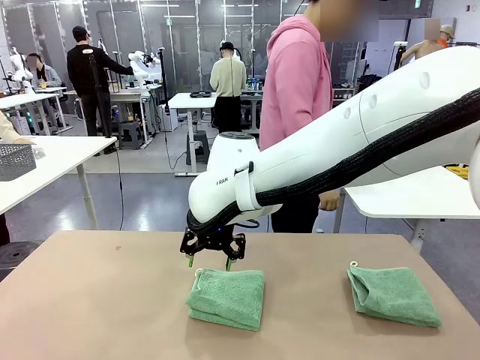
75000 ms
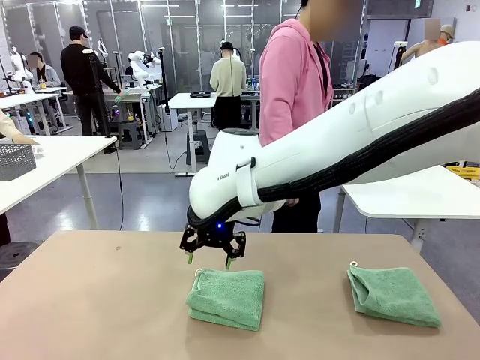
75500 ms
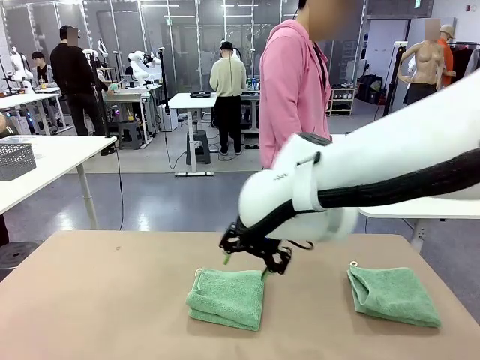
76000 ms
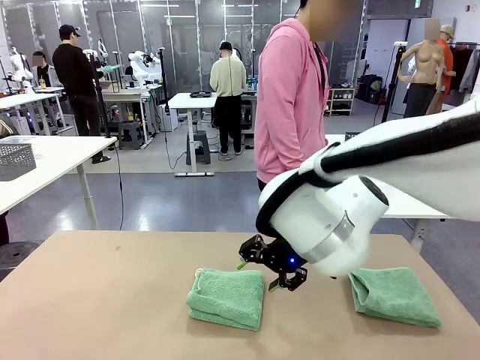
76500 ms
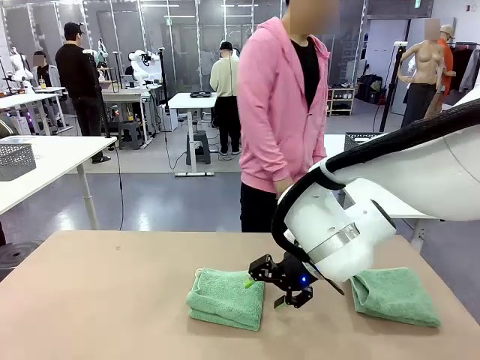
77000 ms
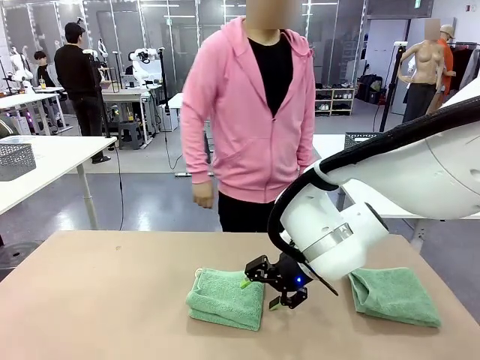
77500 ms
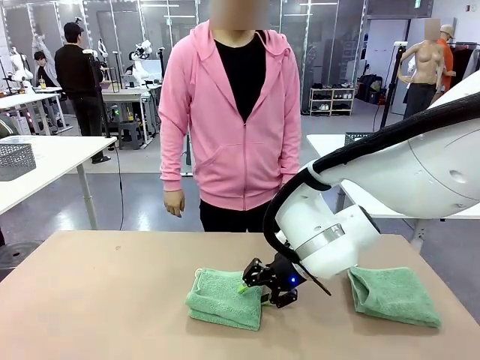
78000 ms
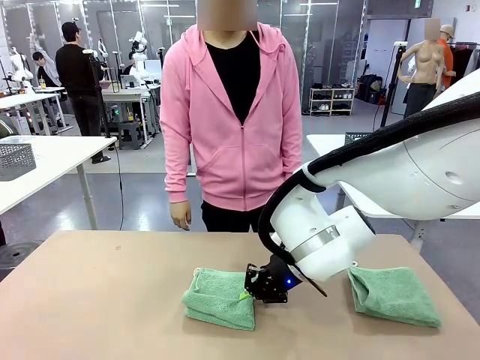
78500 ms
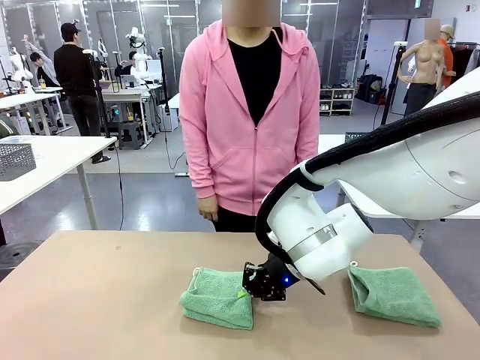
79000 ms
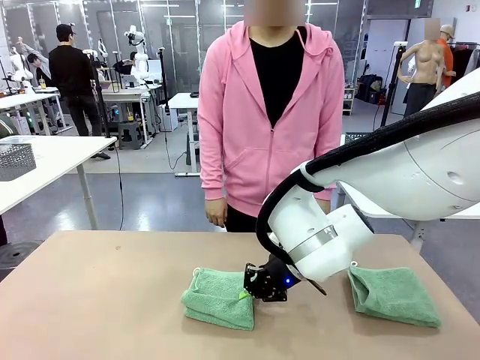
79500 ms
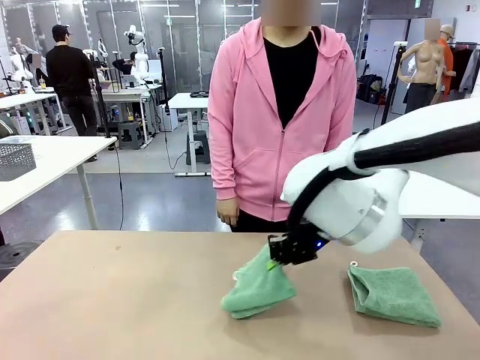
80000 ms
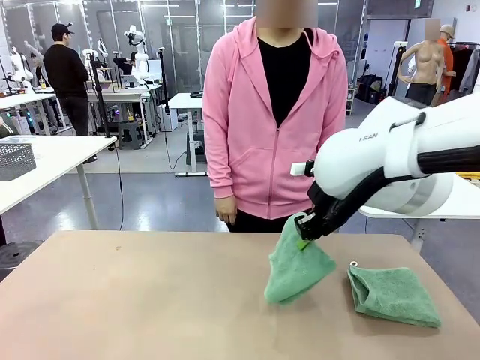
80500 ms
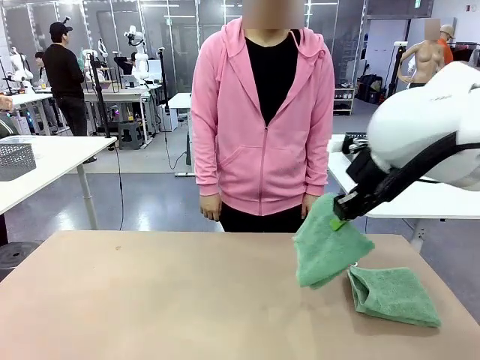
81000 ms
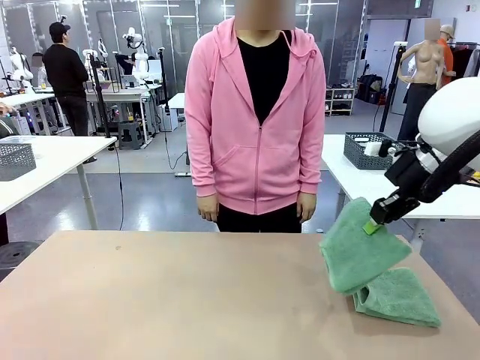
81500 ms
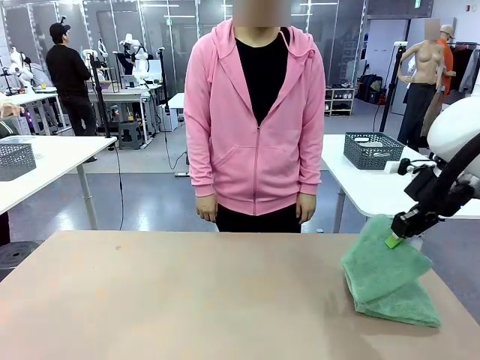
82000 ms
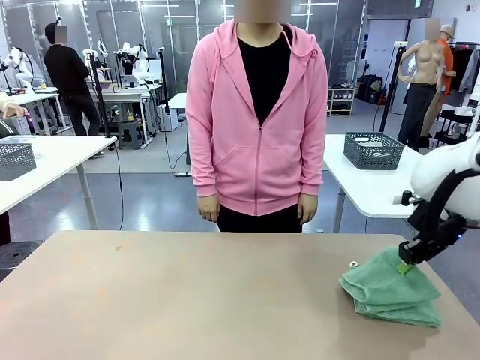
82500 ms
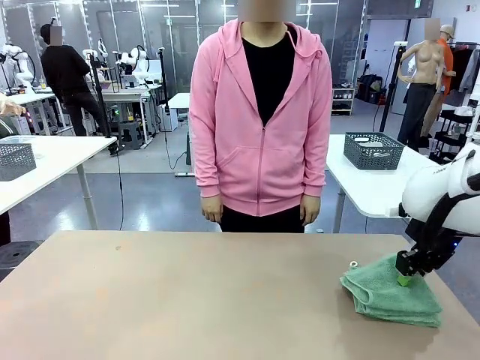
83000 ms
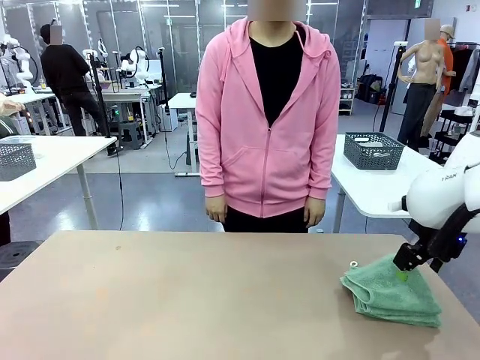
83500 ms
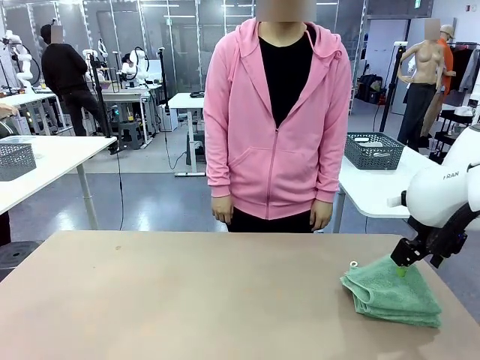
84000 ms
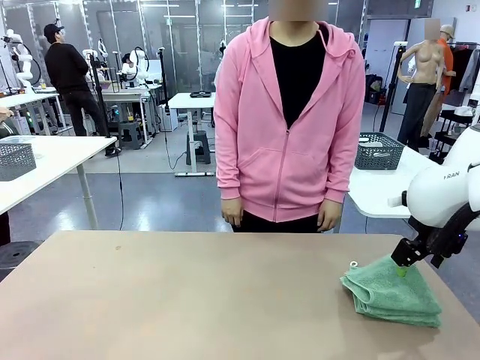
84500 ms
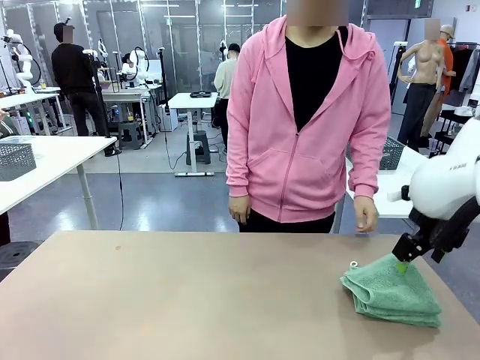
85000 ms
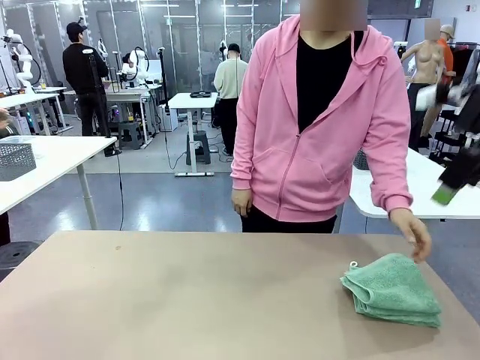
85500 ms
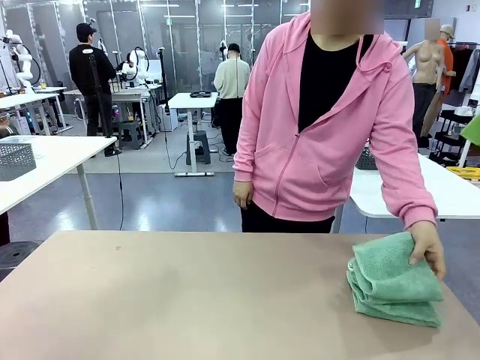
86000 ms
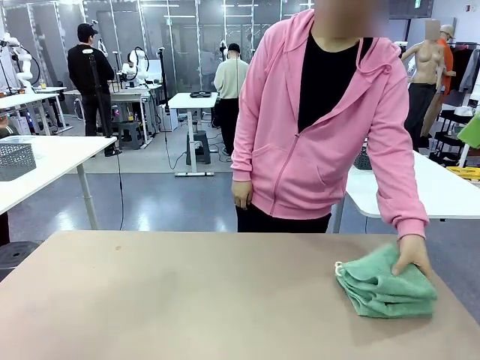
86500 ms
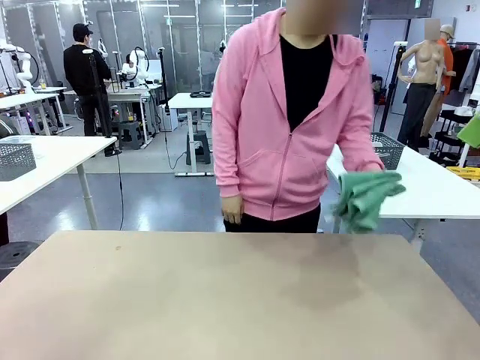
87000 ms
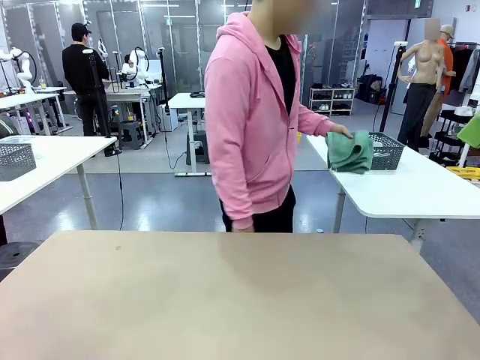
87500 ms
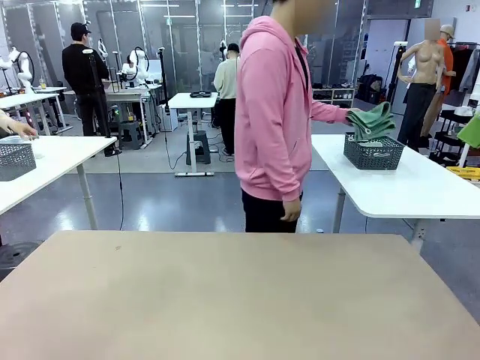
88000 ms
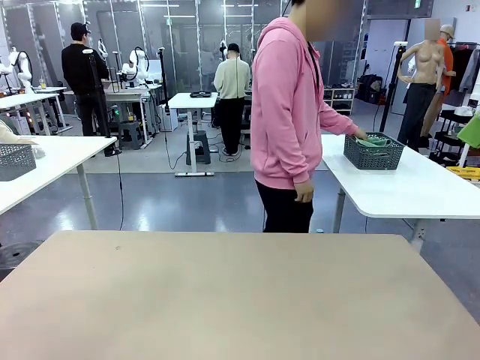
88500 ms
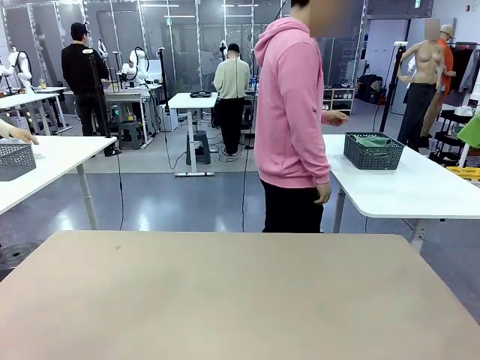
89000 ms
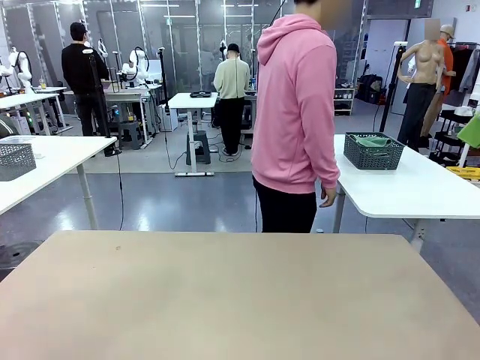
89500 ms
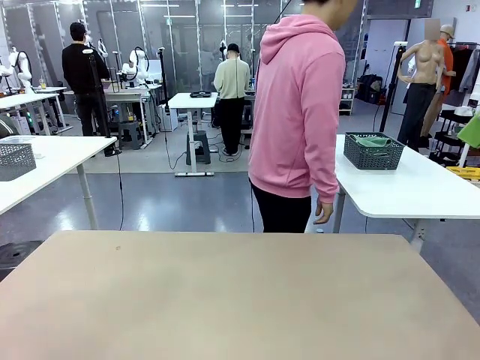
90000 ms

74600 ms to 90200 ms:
Task: Fold the towels and place them in the basket.
Robot: Stack the folded Towel with hook on the right side of the table.
Person: Pick up the stack of towels from the robot table and place it into the basket.

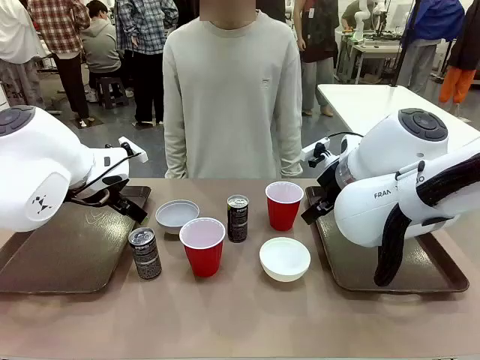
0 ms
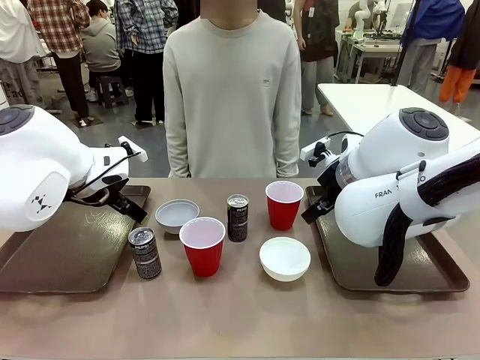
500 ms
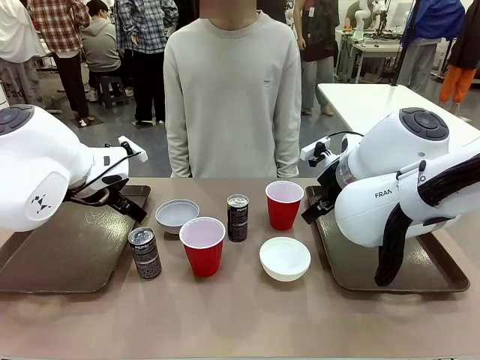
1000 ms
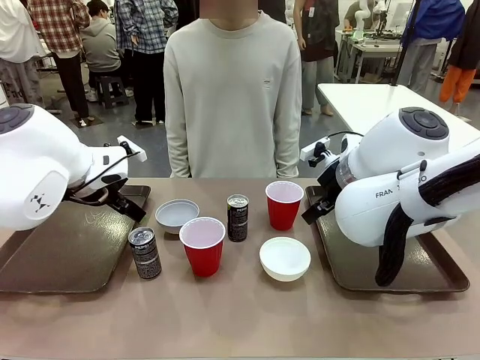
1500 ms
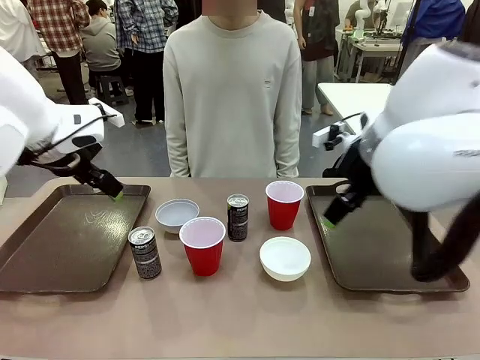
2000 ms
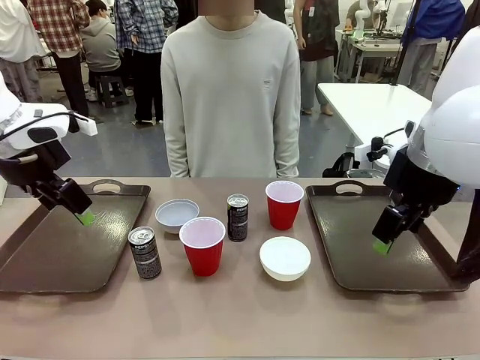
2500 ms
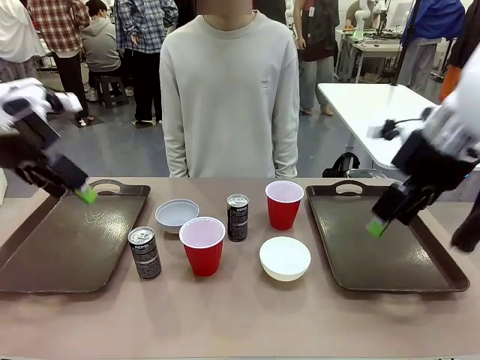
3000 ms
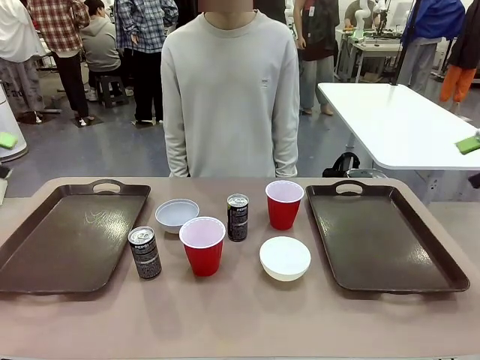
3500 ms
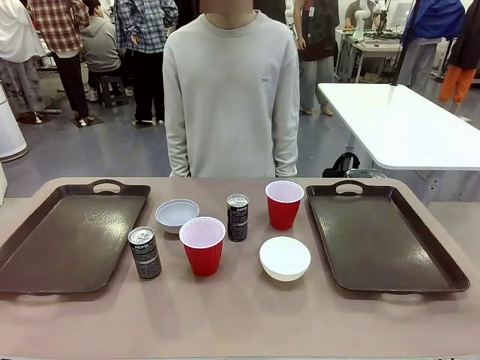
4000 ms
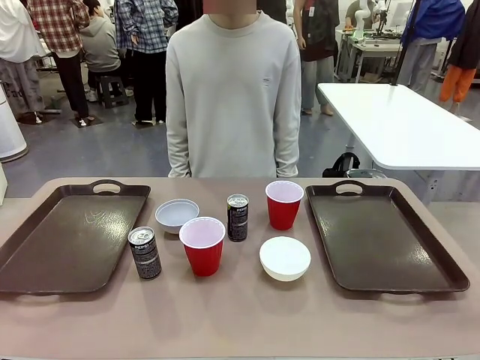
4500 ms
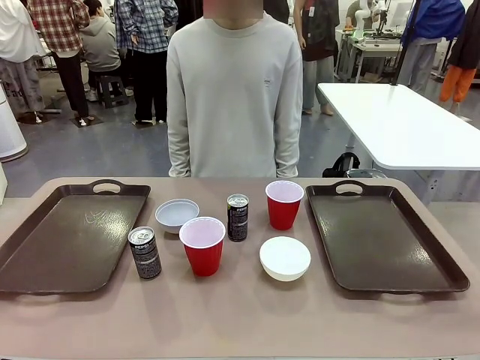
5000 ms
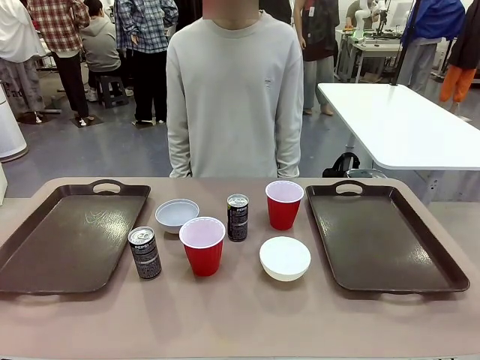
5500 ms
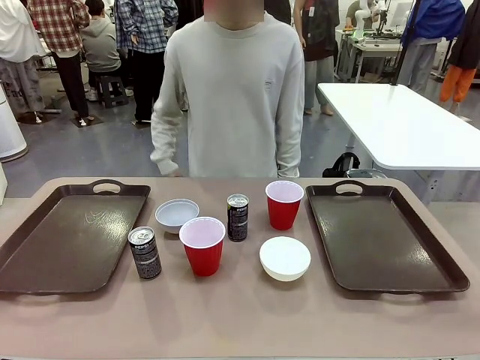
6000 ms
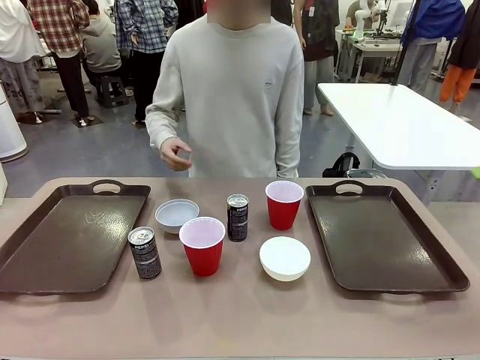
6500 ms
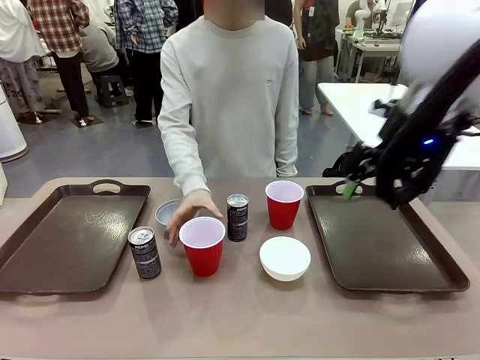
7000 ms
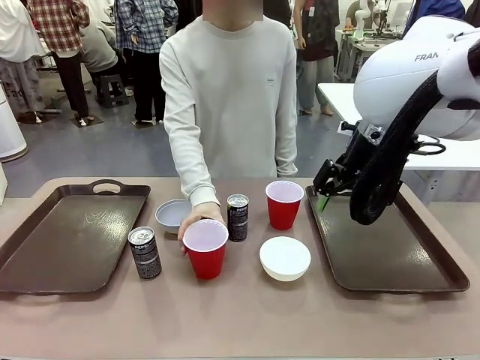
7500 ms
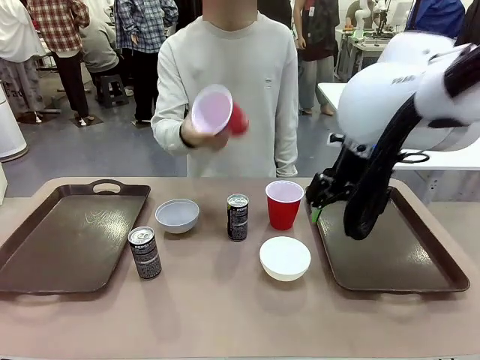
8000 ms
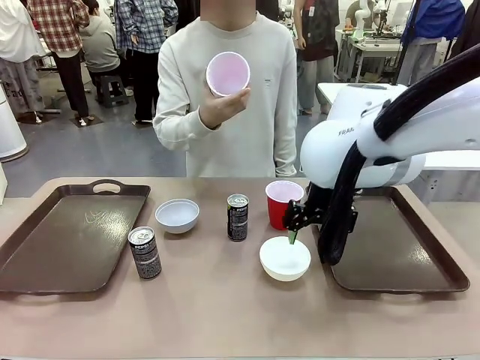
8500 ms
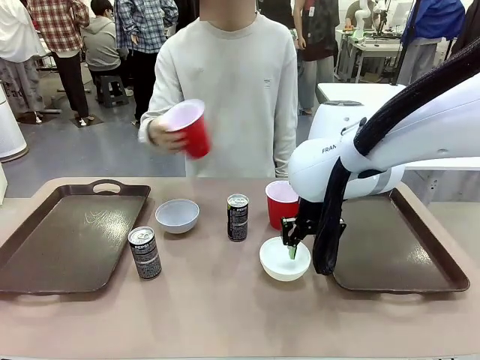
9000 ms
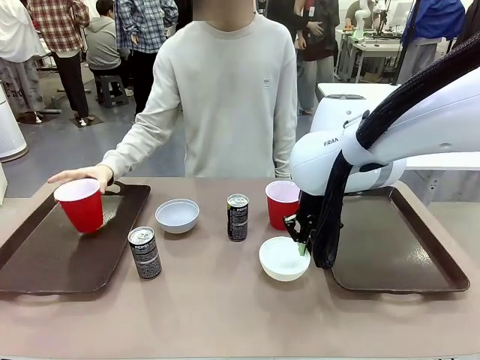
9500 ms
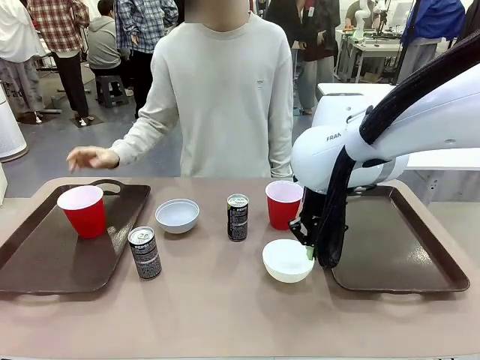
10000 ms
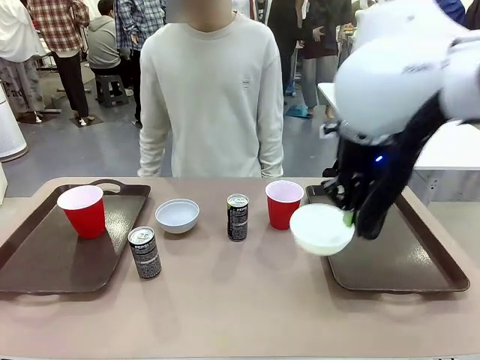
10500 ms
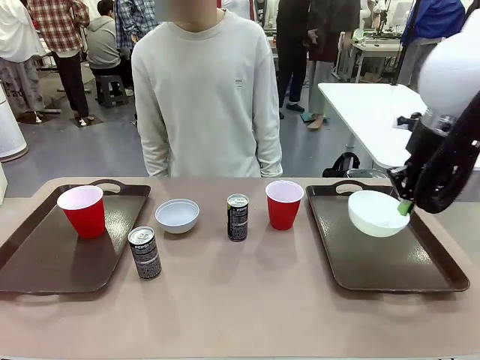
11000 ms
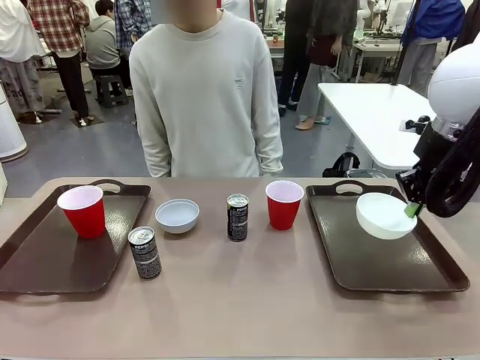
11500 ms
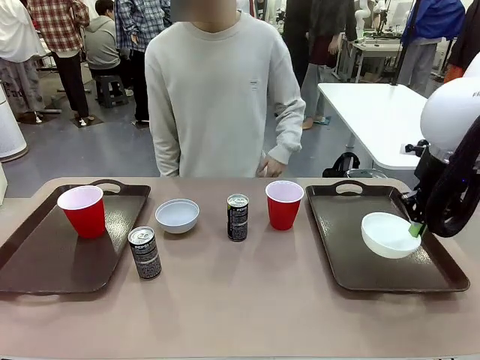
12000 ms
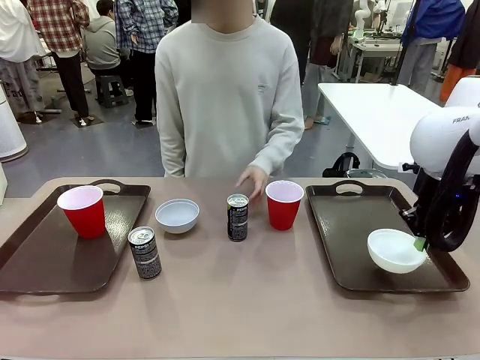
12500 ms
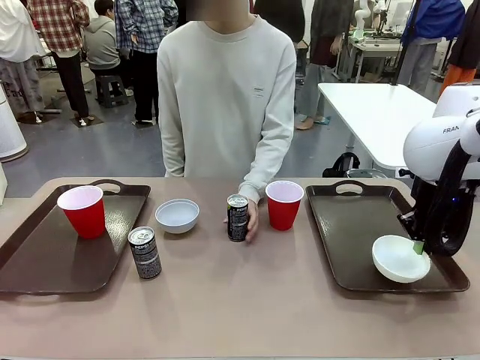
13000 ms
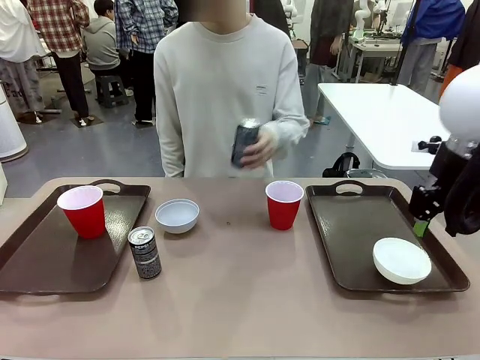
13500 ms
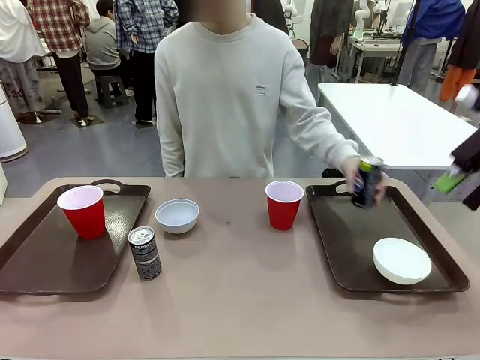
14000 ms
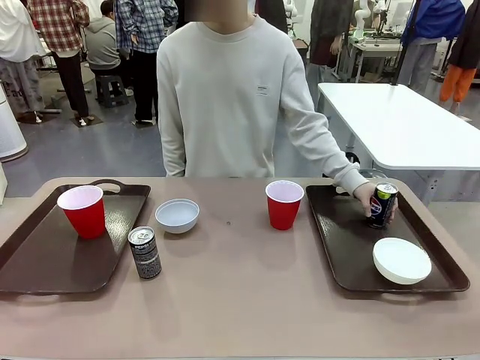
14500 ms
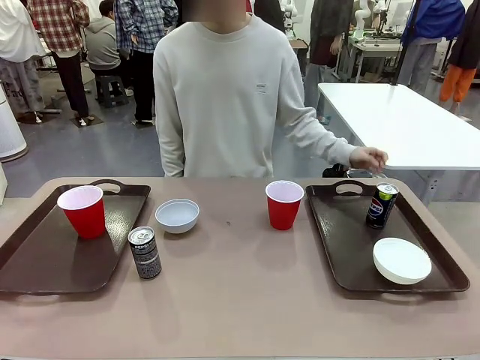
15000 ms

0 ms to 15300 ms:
Task: Prepare tableware on both trays.
Robot: Pick up a Picnic Bowl from the table and place it on a Handle tray.
Person: Pick up a can or cup and place it on the tray.
